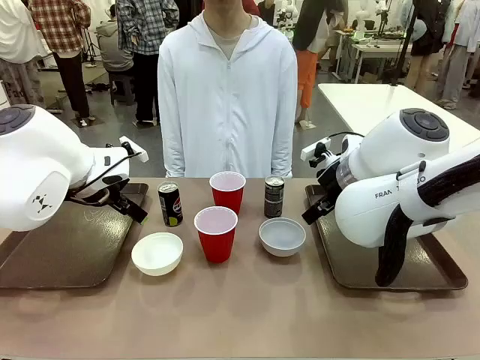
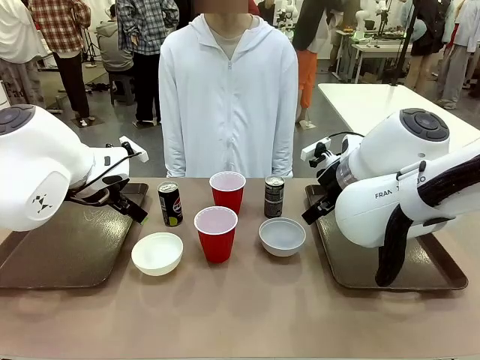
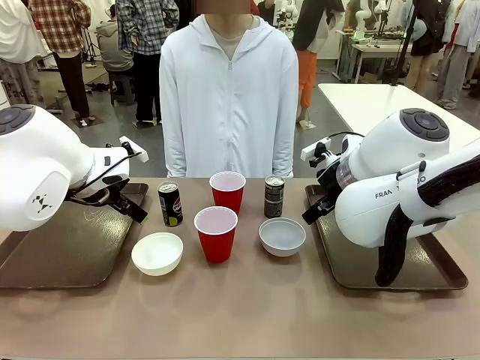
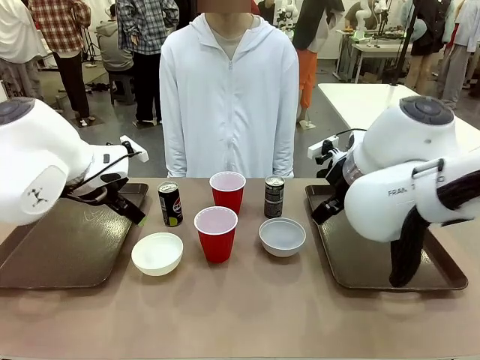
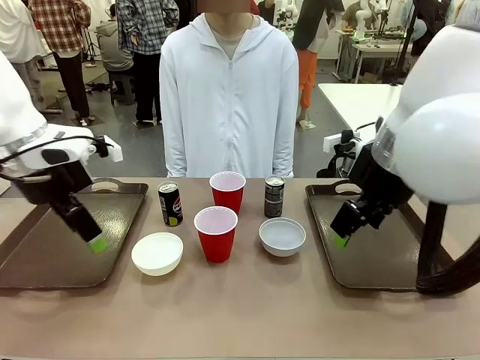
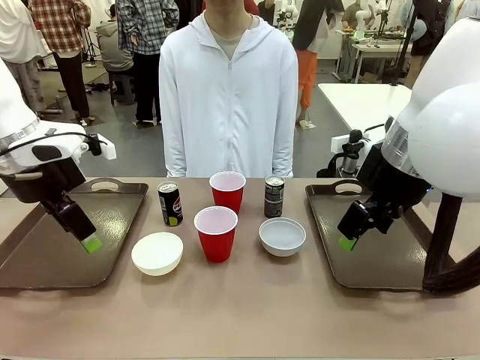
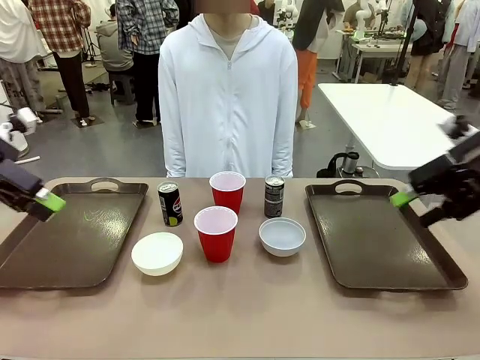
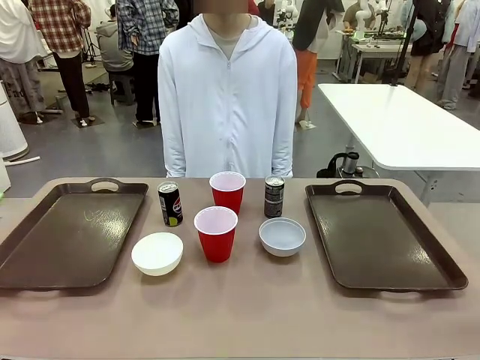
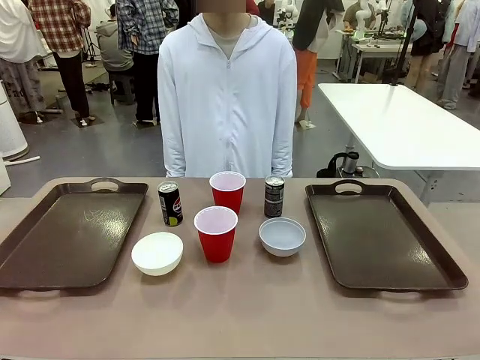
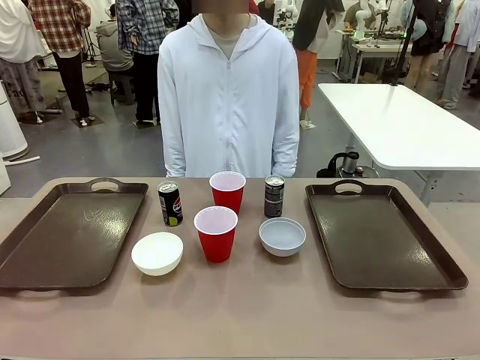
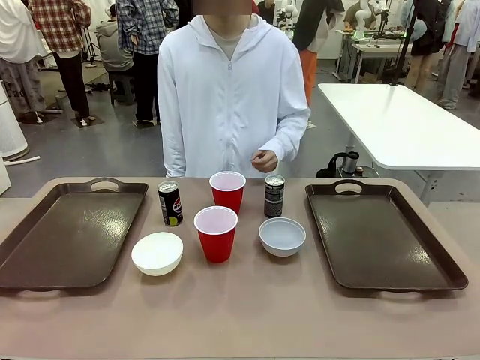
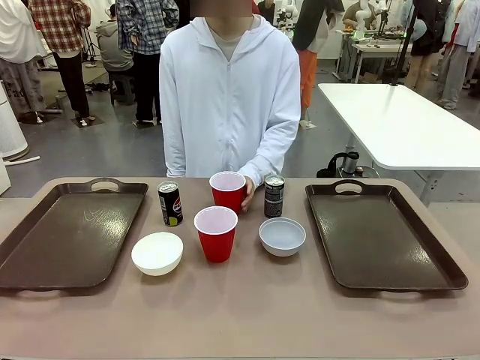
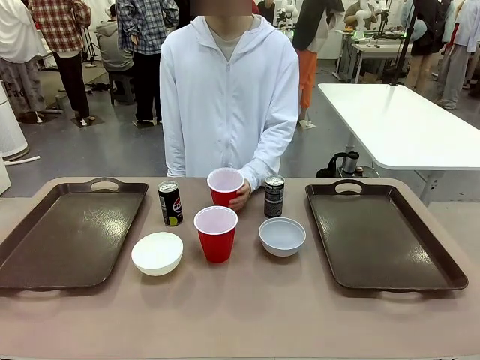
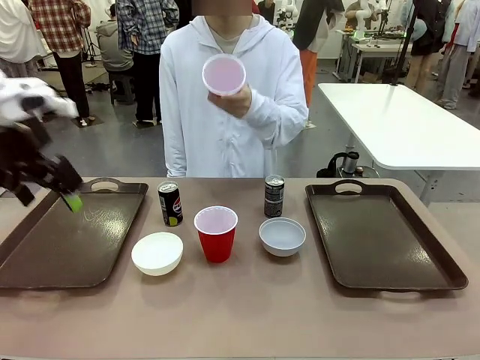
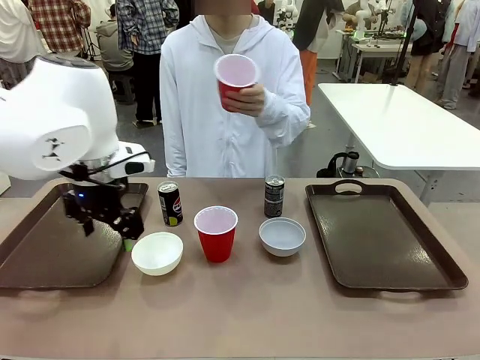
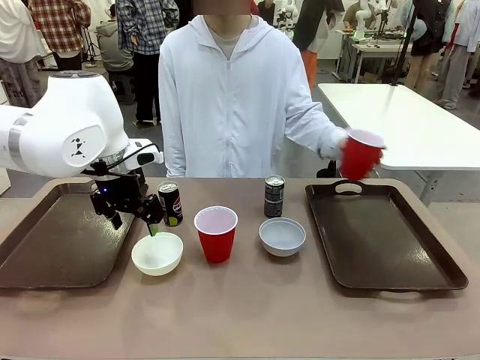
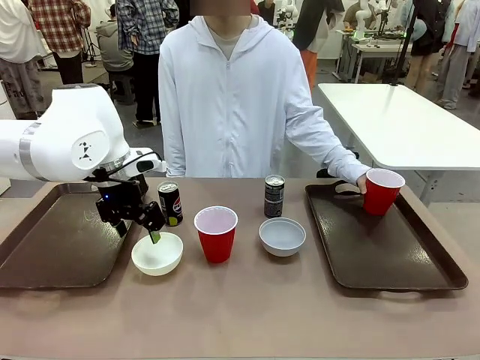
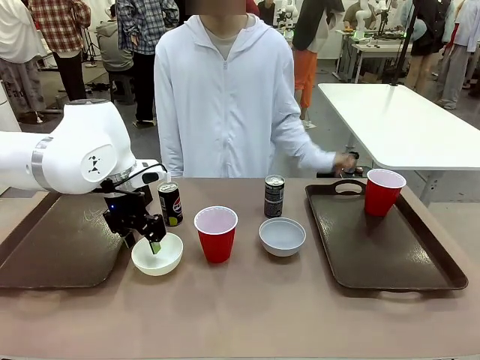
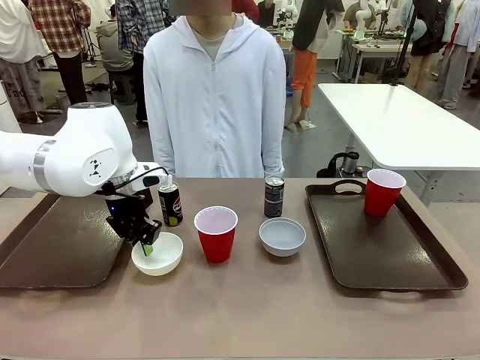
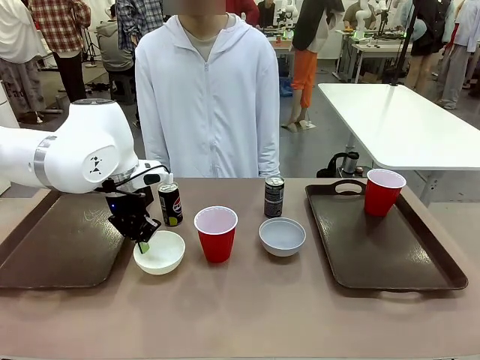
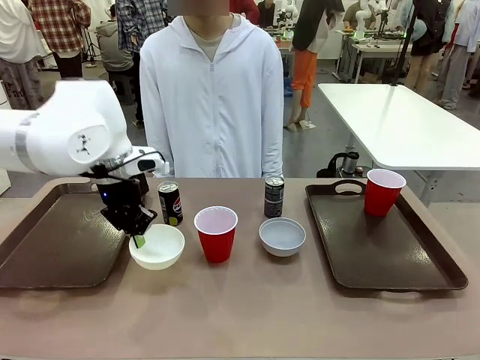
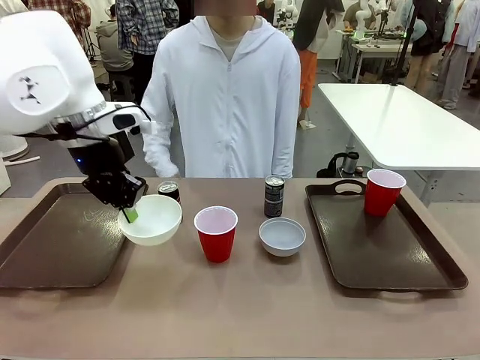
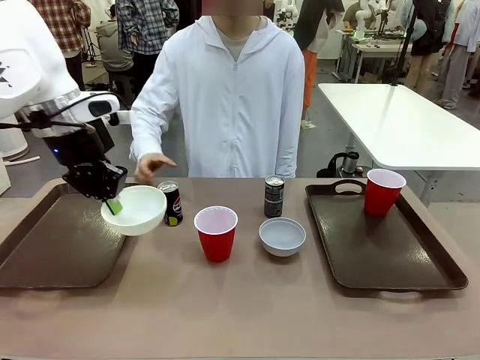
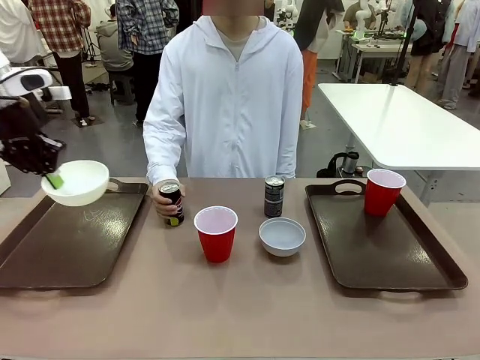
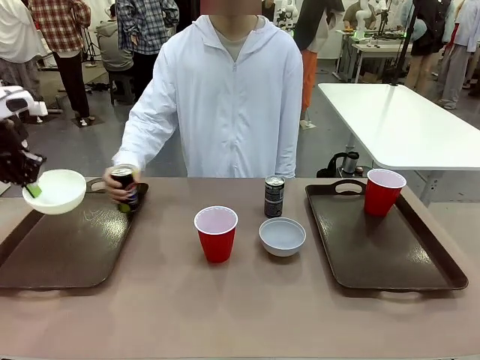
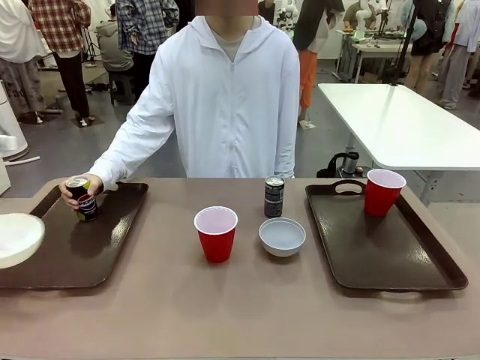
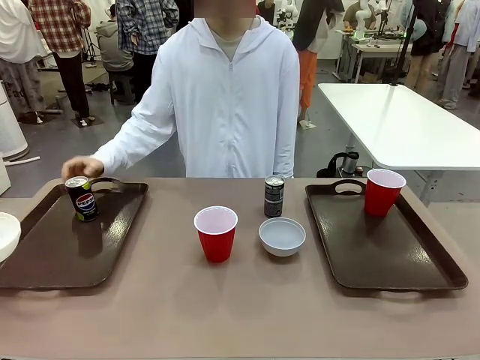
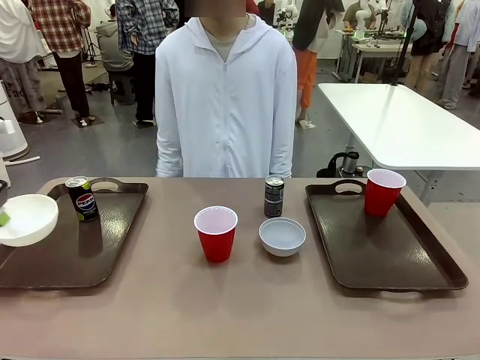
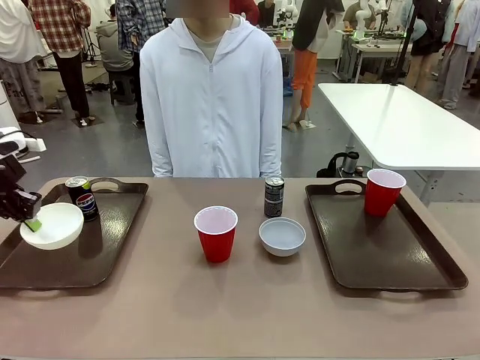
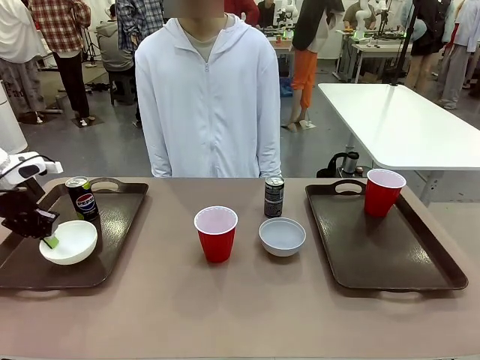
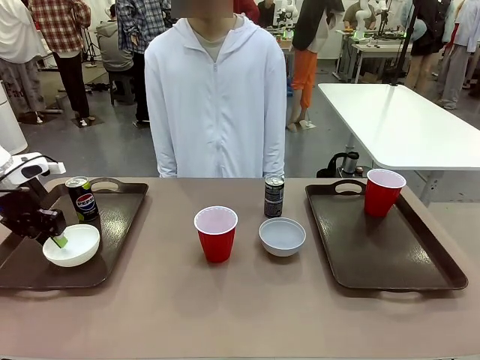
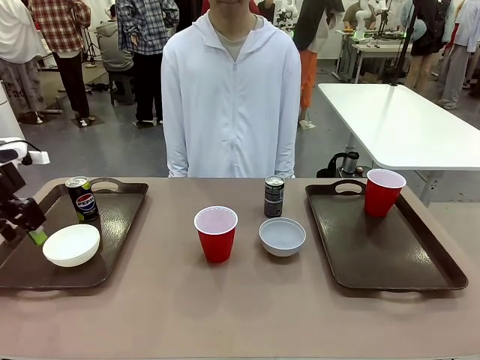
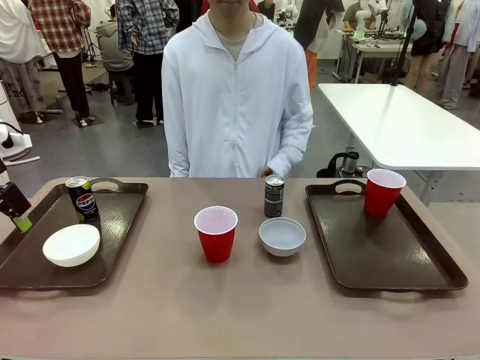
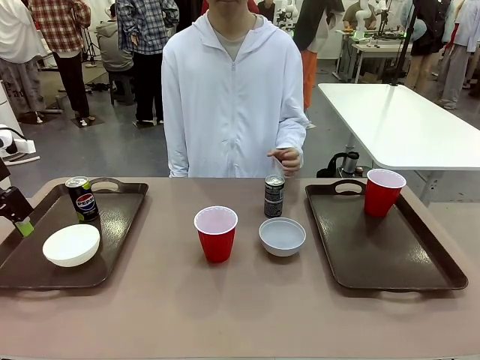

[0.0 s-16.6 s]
Task: Prepare tableware on both trays.
Robot: Pick up a Picnic Bowl from the table and place it on a Handle tray.
Person: Pick up a can or cup and place it on the tray.

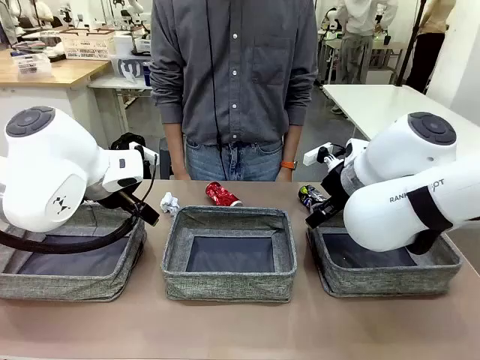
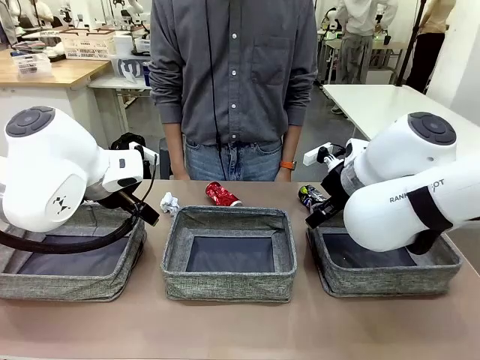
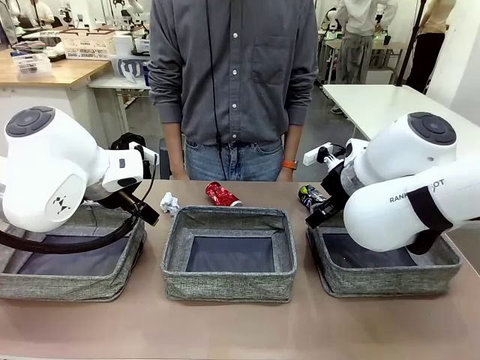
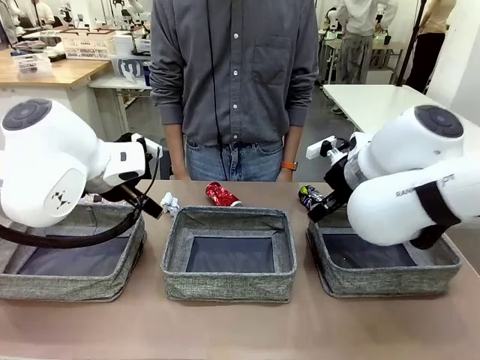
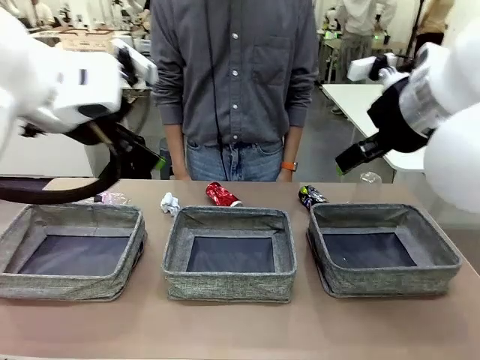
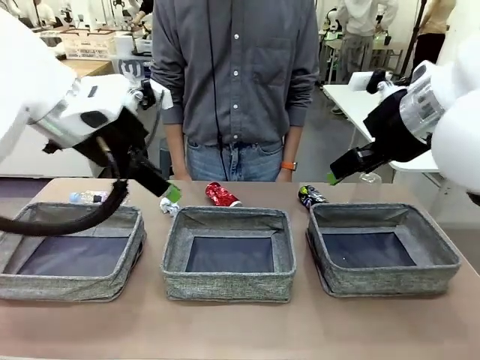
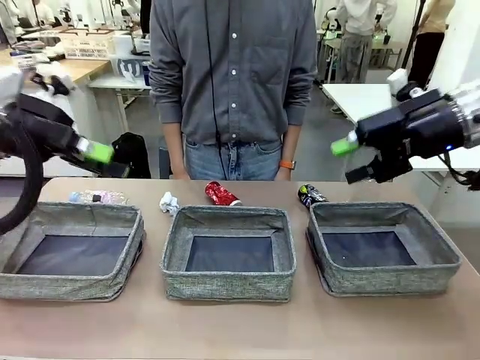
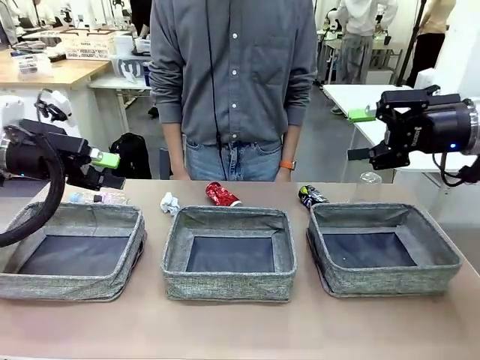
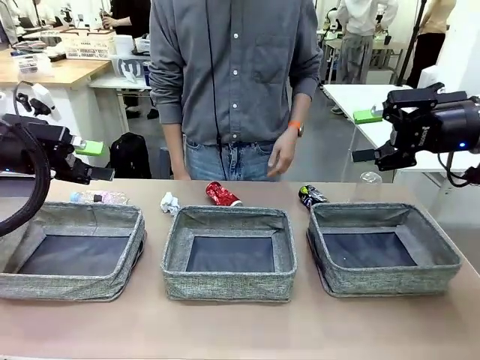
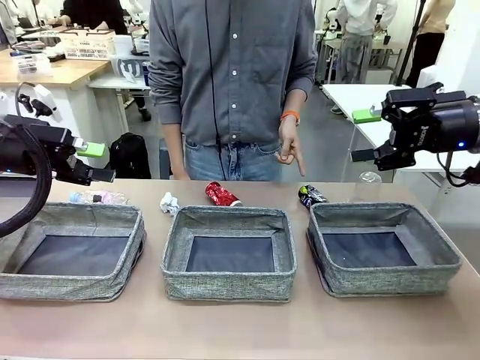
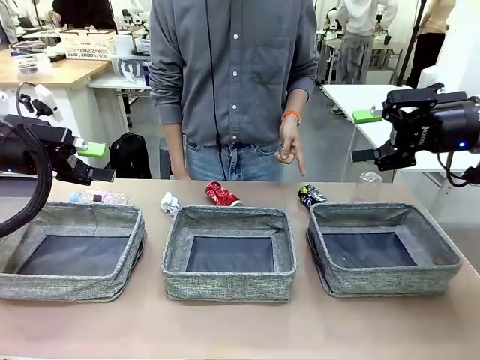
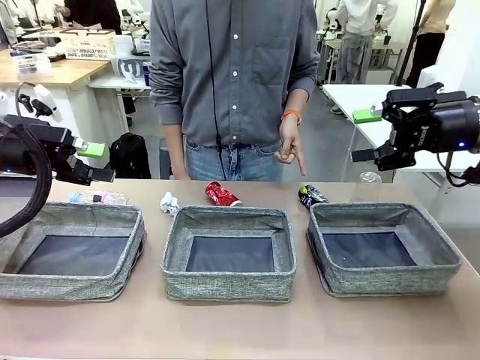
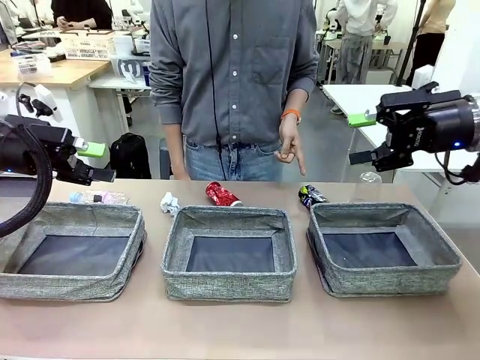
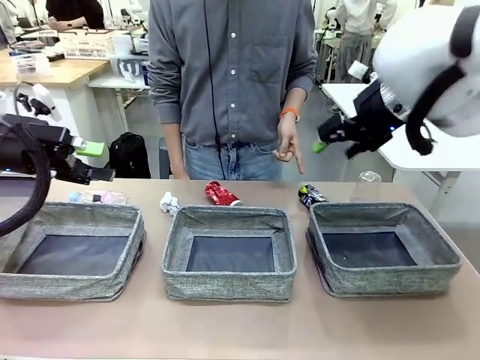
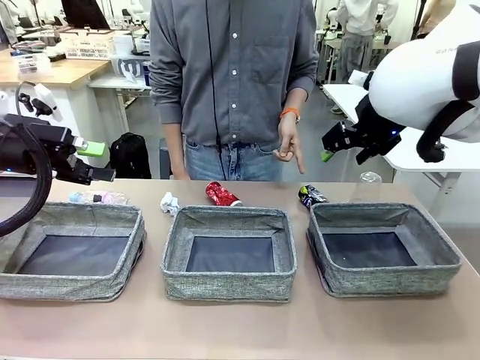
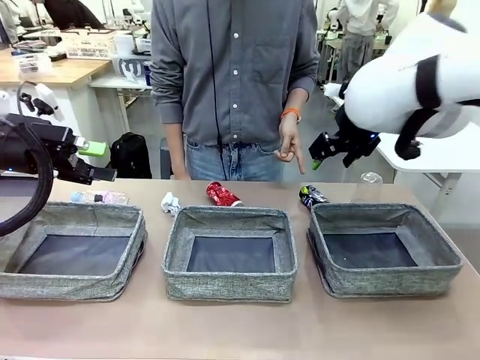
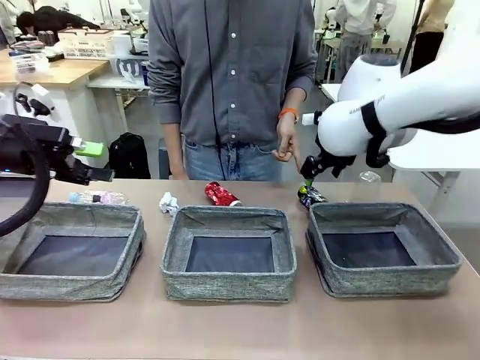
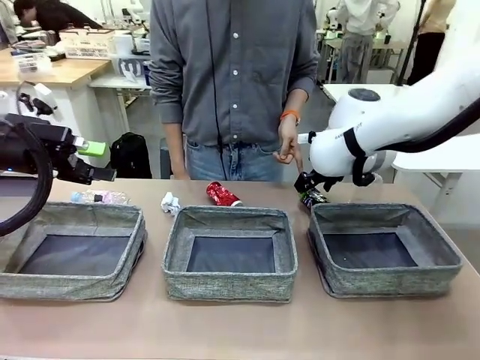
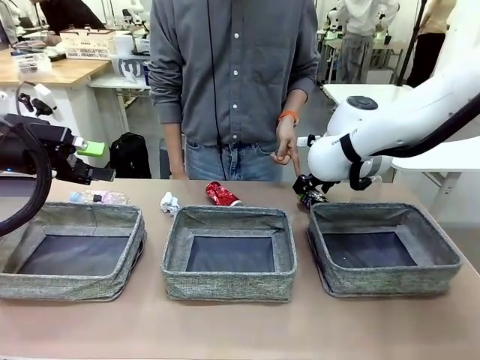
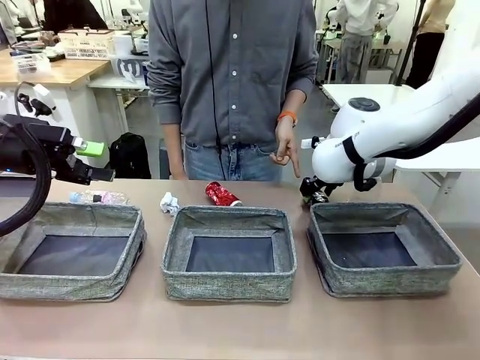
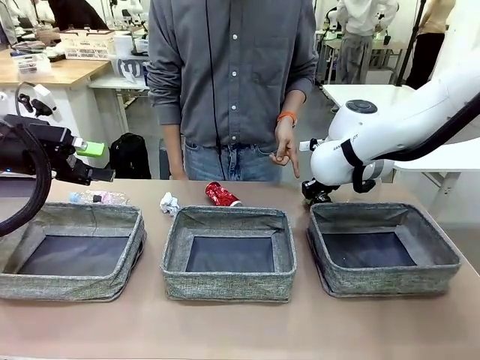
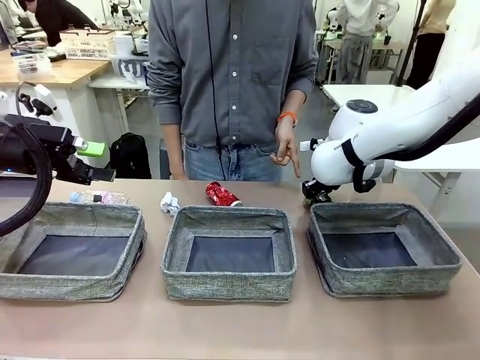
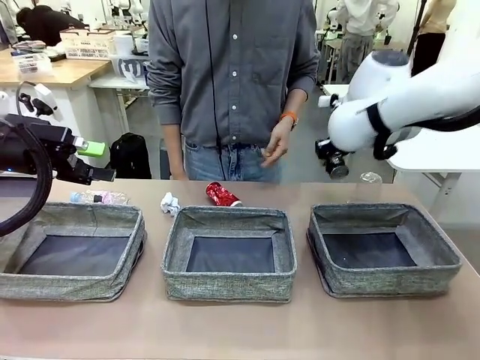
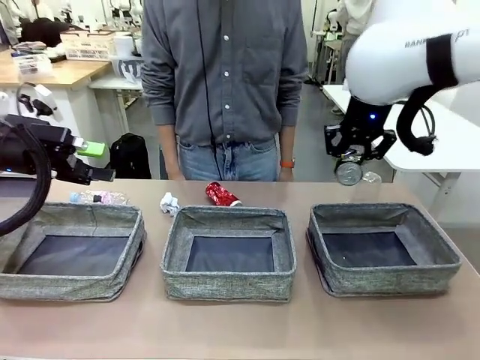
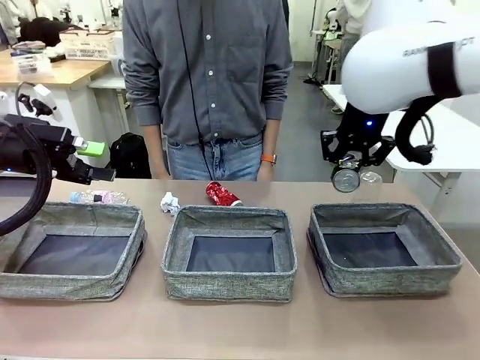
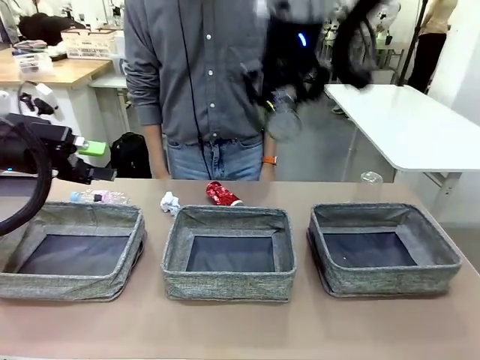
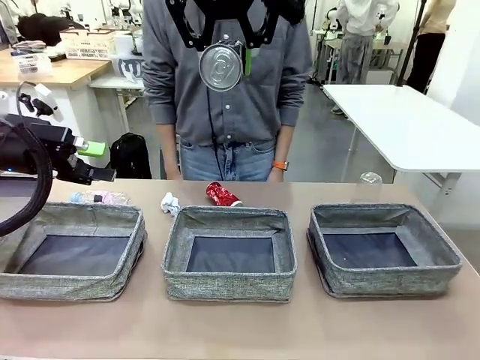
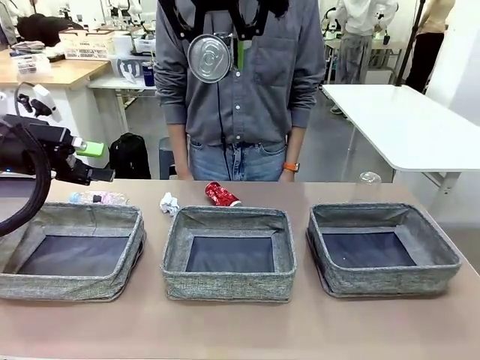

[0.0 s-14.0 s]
Task: Sort the waste into the appropriate baskets.
Robot: Pick up the waste item pointed out by the person.
Person: Points to one piece of trash on the table.
